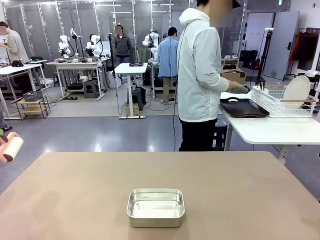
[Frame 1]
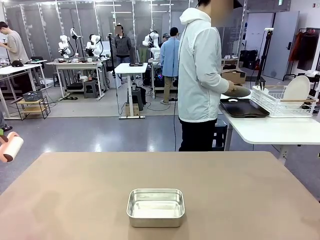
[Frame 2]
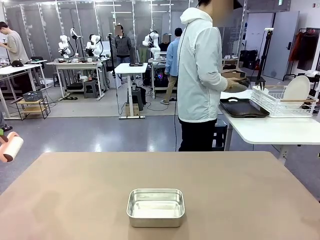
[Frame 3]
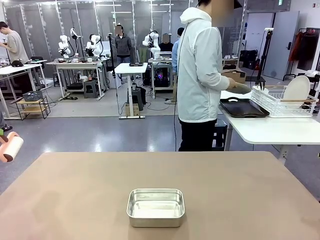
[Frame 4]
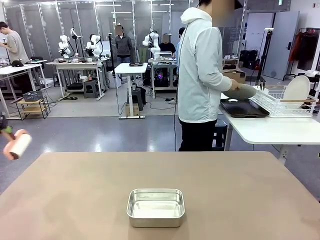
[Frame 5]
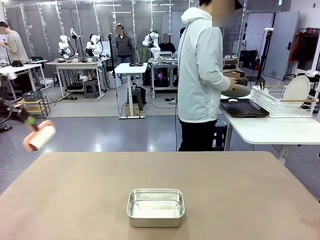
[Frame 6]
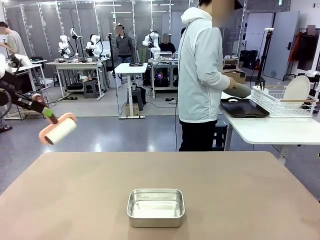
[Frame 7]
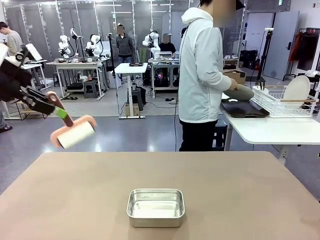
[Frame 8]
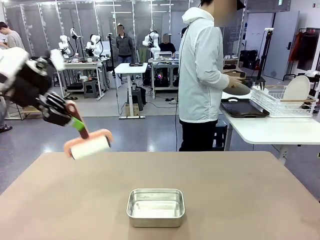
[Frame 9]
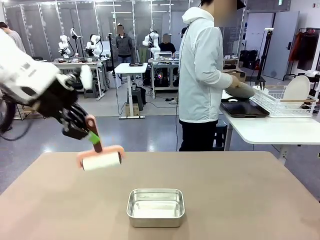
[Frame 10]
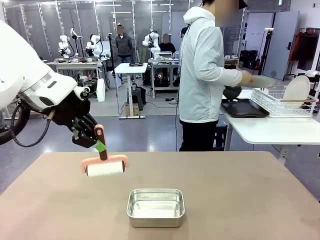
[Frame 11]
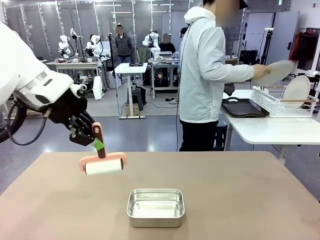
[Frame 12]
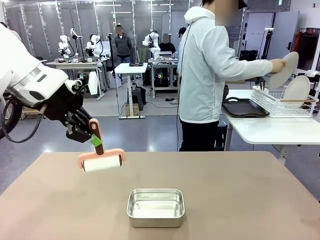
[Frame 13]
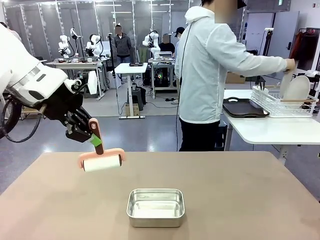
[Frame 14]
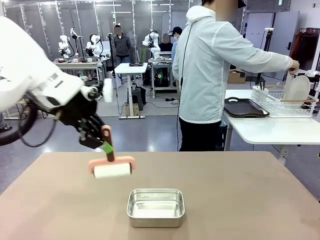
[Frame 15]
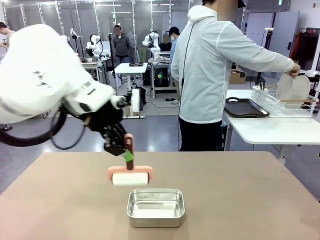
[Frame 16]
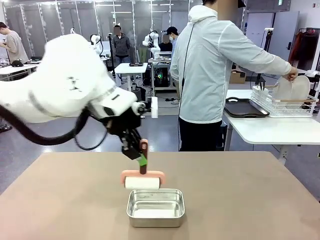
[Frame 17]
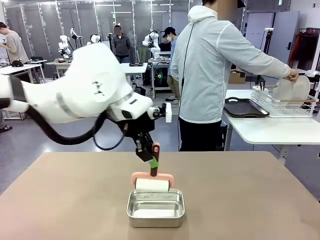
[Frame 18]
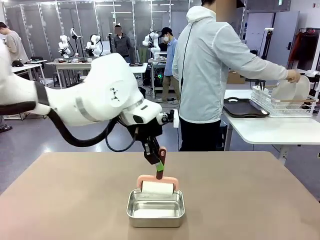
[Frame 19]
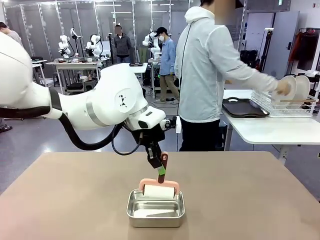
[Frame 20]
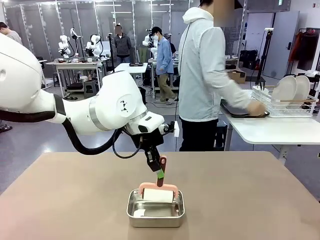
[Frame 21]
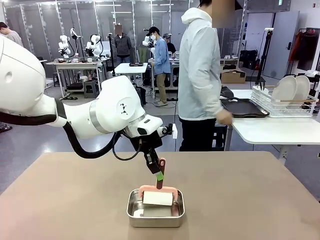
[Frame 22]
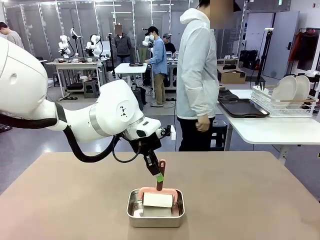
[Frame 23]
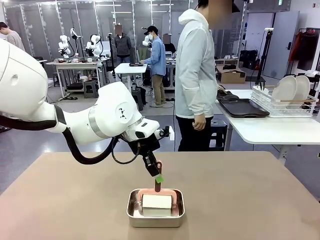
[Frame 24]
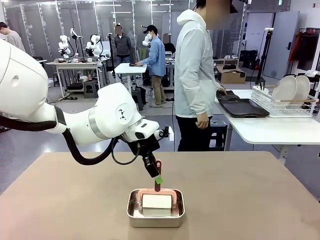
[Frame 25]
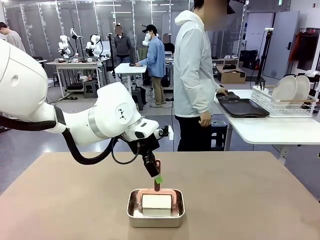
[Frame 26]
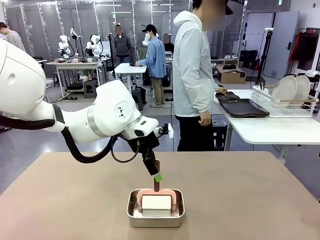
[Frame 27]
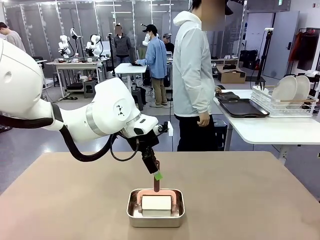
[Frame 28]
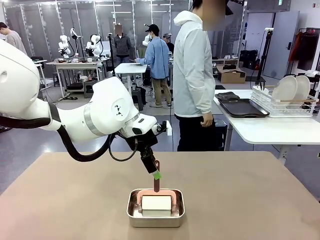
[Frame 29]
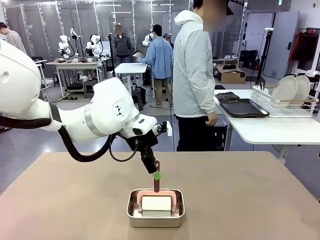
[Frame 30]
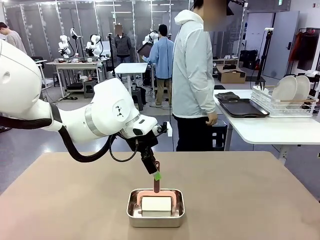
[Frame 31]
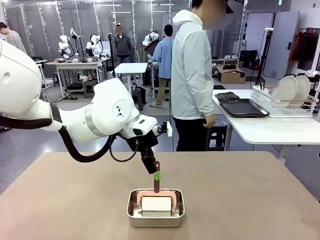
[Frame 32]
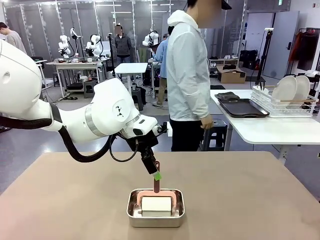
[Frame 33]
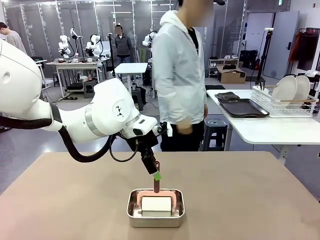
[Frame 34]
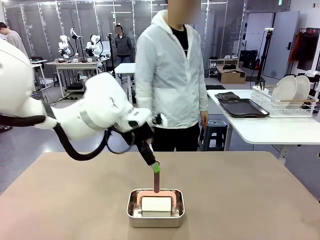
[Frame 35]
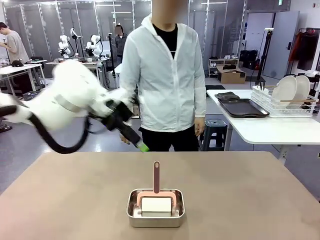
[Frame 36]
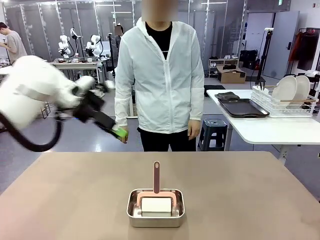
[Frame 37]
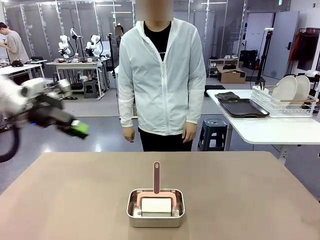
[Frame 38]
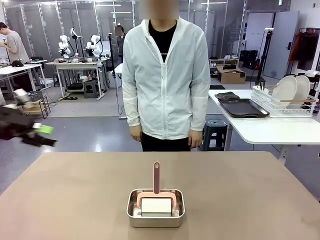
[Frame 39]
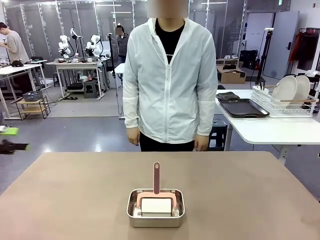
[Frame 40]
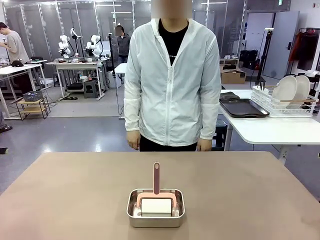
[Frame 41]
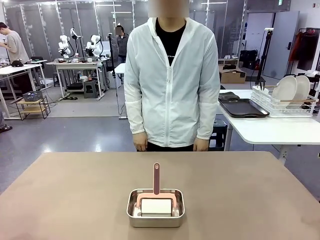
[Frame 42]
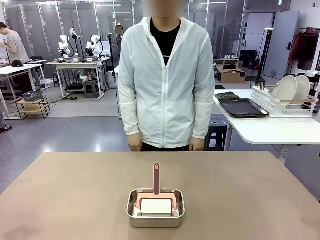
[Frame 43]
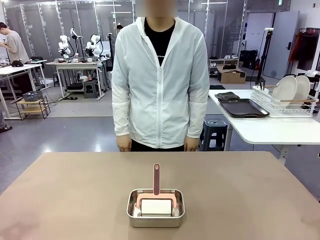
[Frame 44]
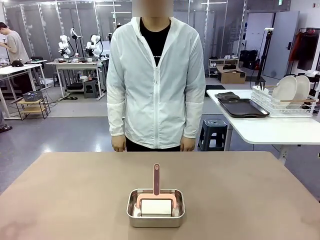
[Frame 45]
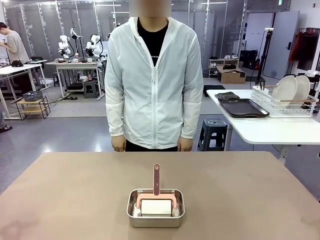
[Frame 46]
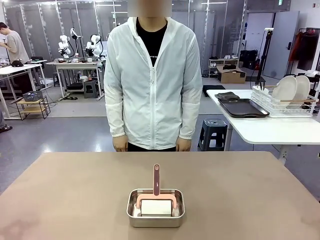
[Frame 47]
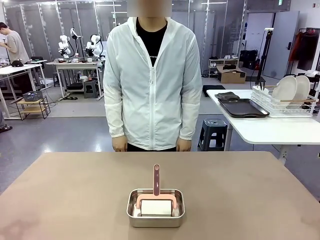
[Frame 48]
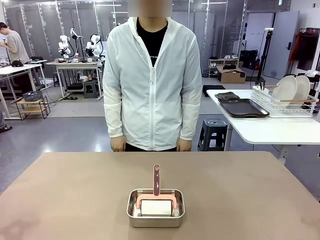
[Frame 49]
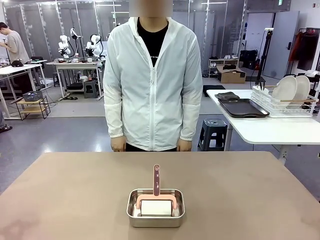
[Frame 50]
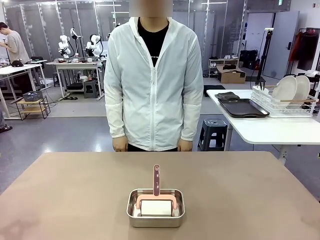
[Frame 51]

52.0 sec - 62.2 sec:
Robot: Place the Lint Roller back on top of the Airtight Container.

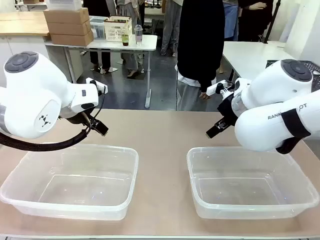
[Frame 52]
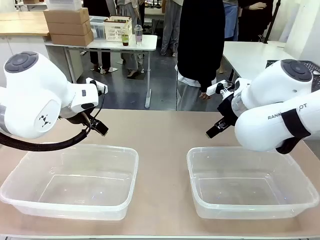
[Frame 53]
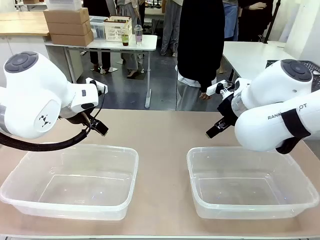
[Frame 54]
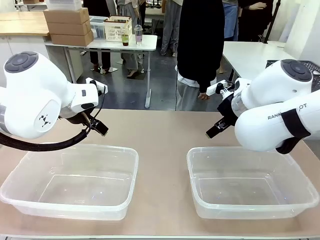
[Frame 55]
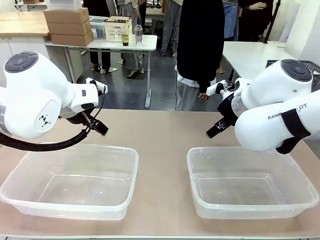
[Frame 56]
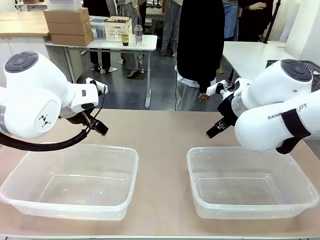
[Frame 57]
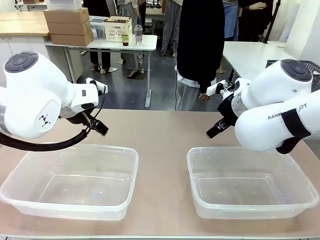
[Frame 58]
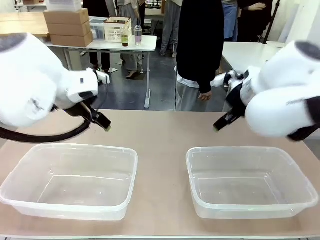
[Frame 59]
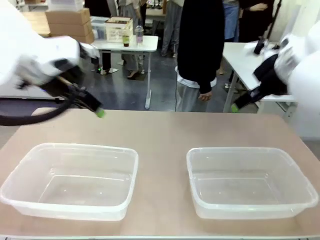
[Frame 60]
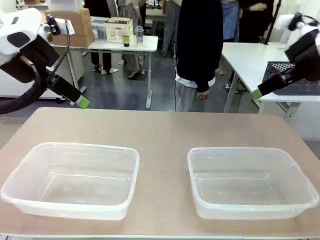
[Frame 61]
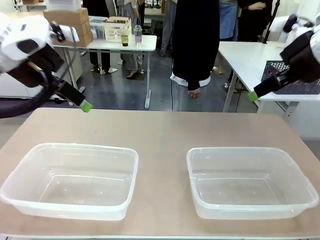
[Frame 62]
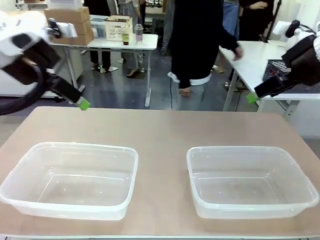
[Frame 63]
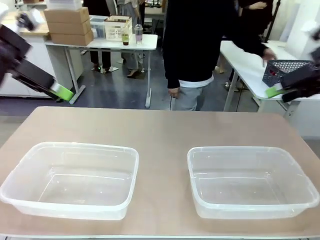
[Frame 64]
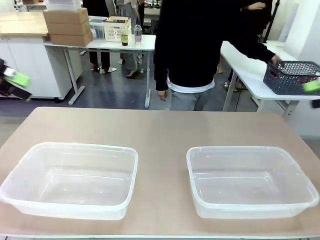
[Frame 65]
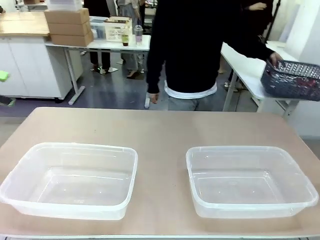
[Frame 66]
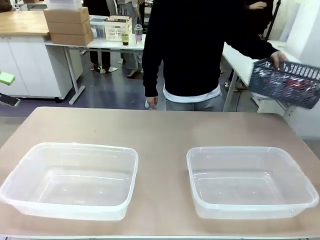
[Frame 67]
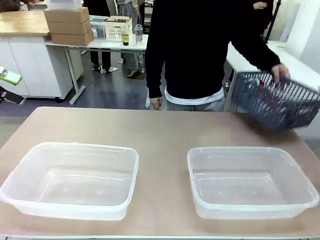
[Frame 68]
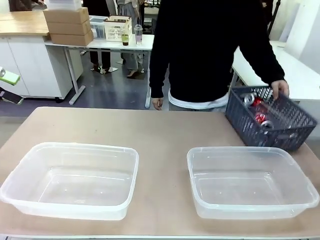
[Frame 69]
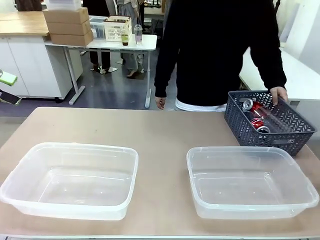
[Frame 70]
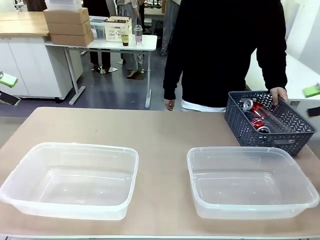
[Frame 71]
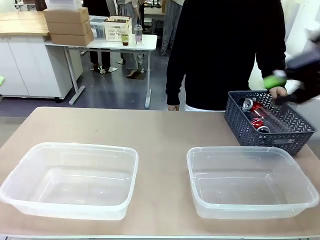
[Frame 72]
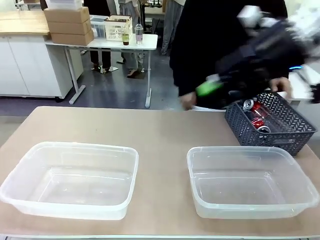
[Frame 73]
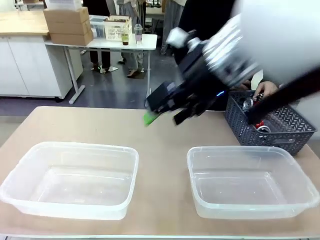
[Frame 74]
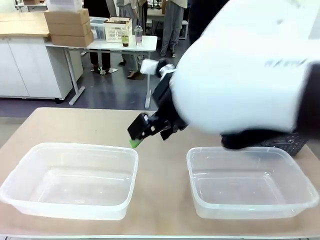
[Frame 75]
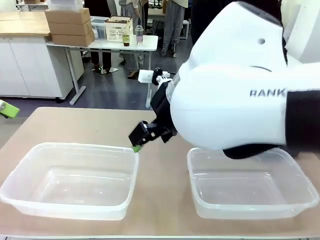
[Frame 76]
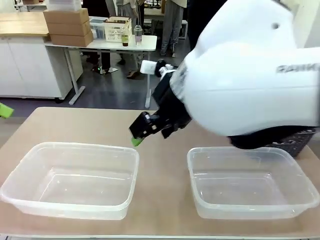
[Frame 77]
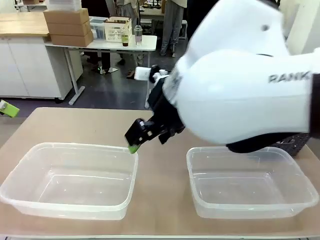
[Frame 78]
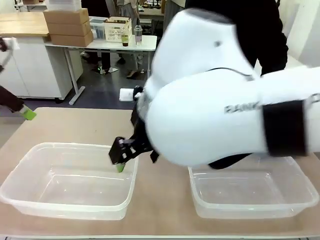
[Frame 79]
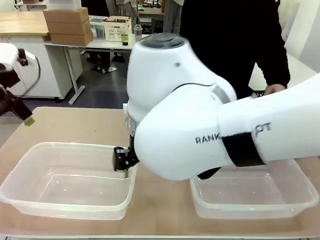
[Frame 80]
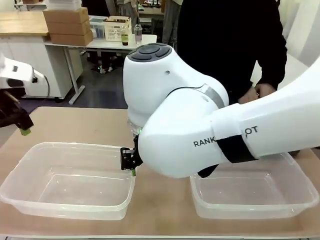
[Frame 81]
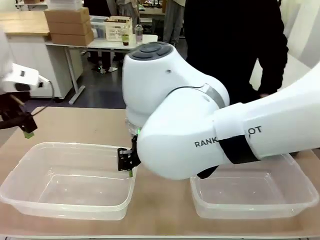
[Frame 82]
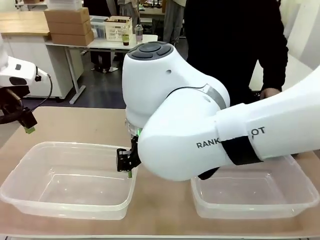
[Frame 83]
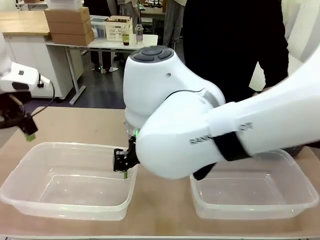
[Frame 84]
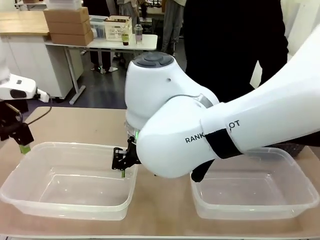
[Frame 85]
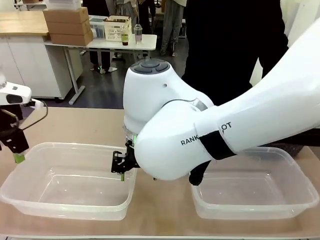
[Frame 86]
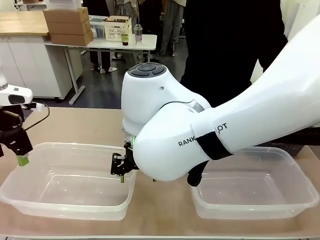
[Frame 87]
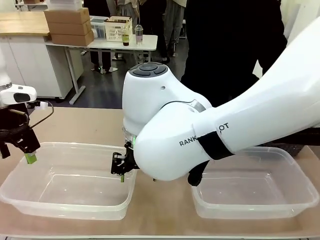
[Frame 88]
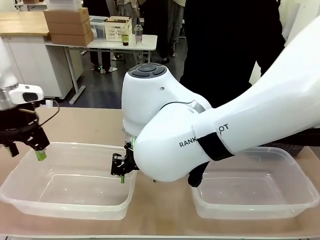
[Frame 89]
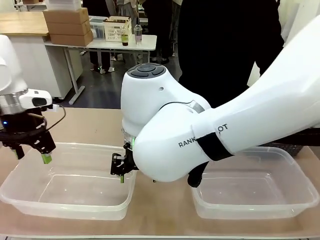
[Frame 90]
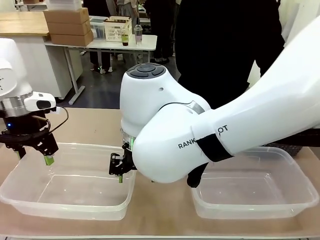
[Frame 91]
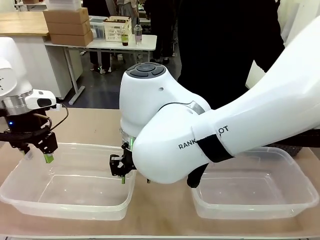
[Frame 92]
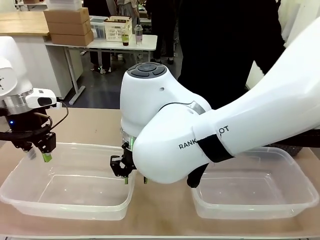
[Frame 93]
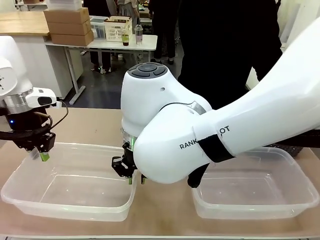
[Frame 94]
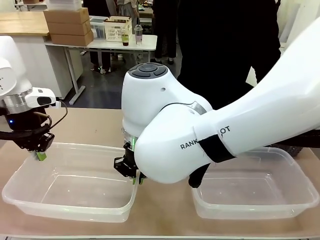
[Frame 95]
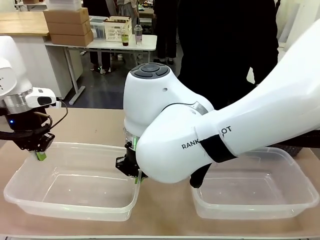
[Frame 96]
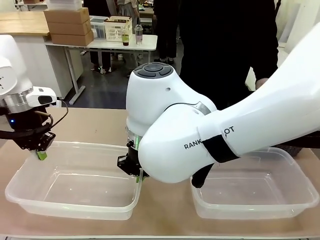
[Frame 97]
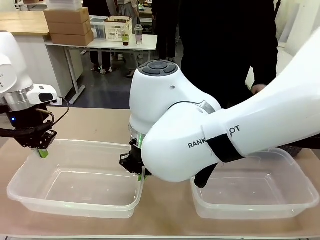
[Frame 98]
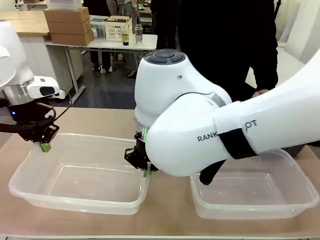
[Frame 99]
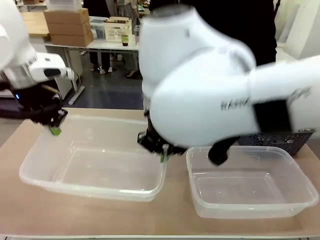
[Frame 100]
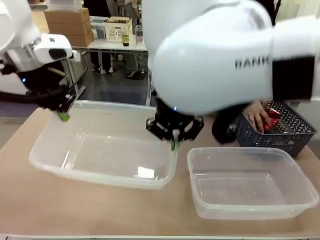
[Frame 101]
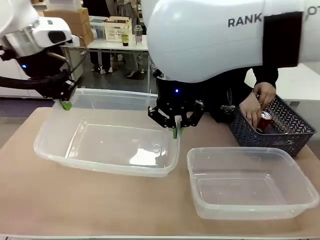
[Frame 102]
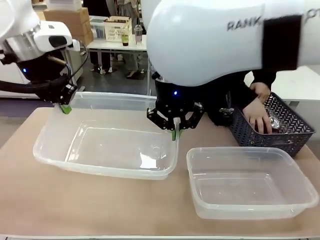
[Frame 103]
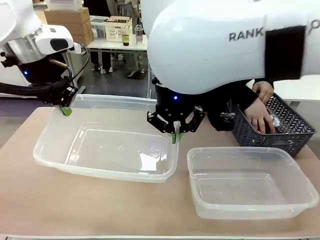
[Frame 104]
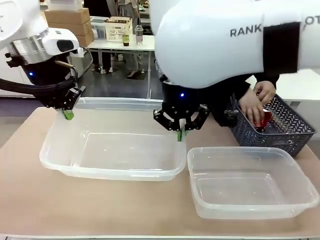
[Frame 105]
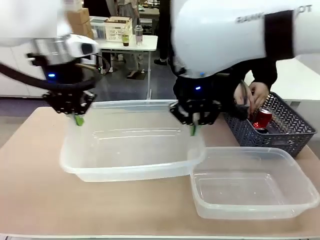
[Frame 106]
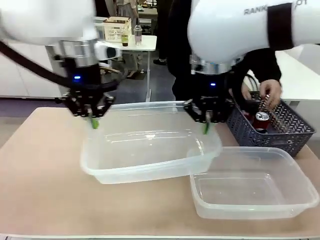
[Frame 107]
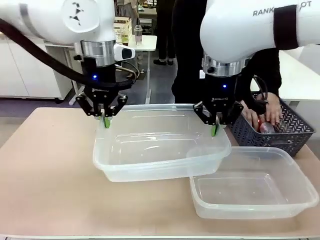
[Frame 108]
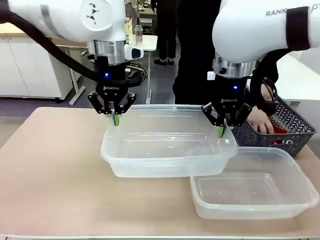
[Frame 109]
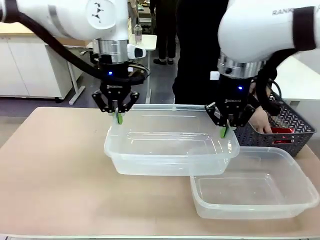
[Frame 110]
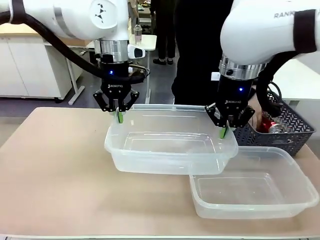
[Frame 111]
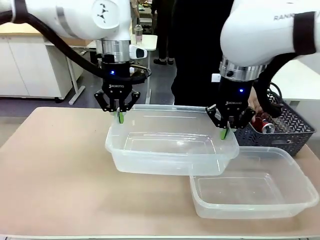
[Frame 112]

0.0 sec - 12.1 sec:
Robot: Pick up the Organizing box on the left side of the table and lift it.
Person: Pick up the storage basket and place it on the left side of the robot table. Pick up can-shaped waste one by one and place it into the organizing box lifted by the robot.
